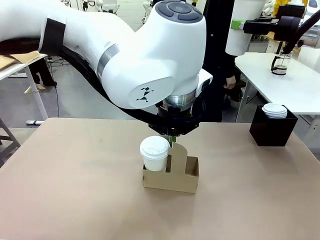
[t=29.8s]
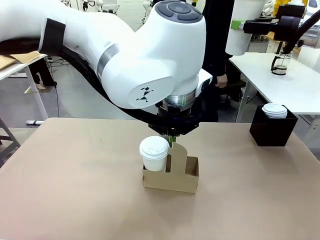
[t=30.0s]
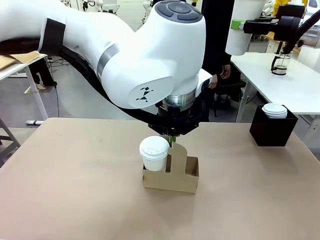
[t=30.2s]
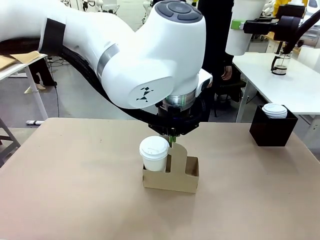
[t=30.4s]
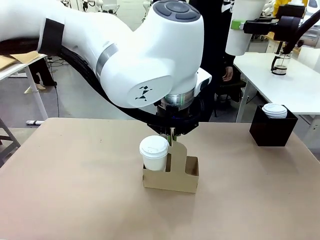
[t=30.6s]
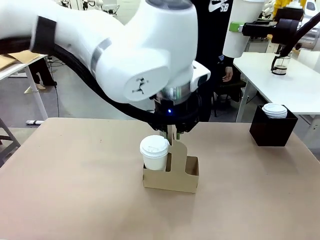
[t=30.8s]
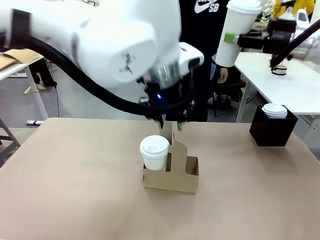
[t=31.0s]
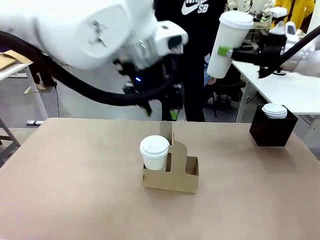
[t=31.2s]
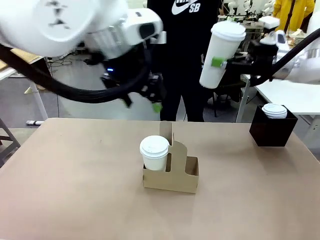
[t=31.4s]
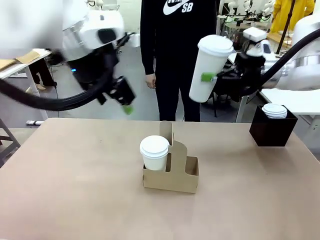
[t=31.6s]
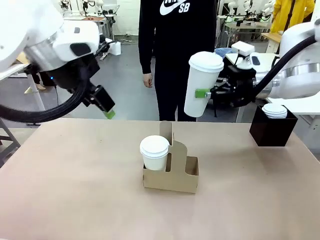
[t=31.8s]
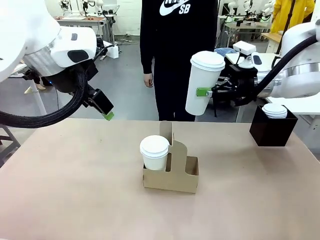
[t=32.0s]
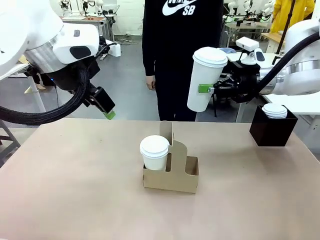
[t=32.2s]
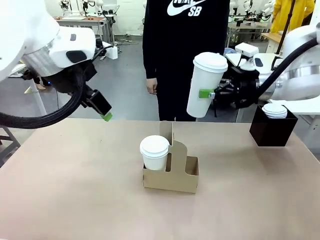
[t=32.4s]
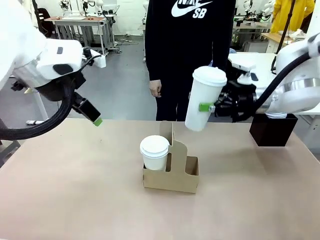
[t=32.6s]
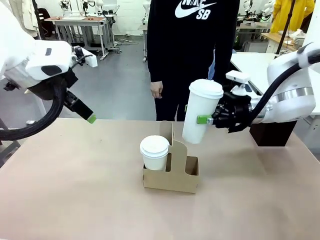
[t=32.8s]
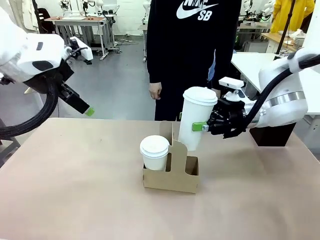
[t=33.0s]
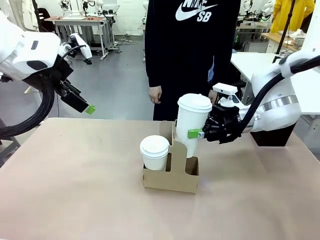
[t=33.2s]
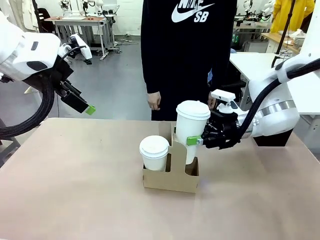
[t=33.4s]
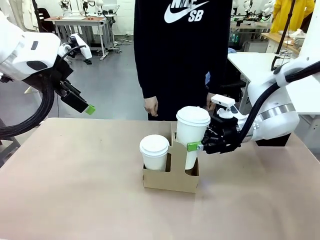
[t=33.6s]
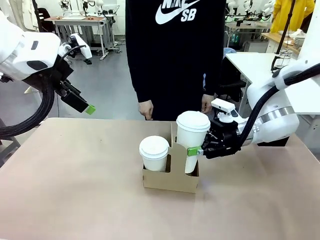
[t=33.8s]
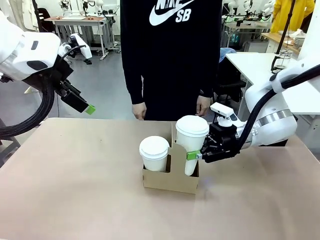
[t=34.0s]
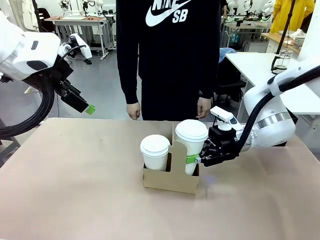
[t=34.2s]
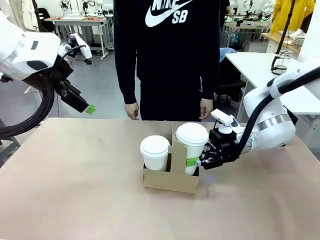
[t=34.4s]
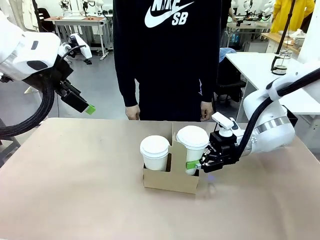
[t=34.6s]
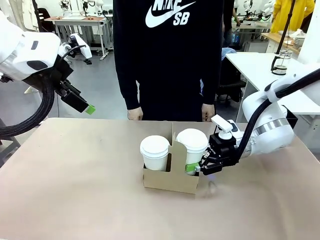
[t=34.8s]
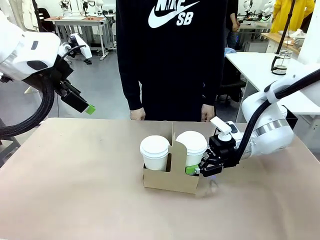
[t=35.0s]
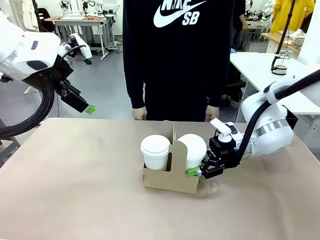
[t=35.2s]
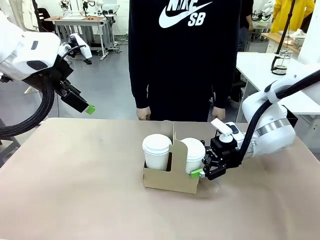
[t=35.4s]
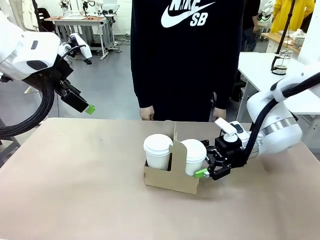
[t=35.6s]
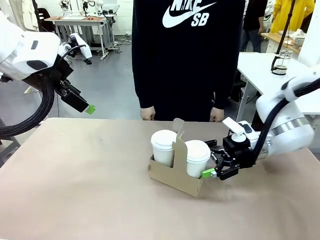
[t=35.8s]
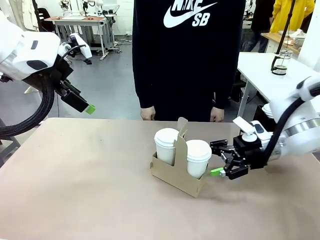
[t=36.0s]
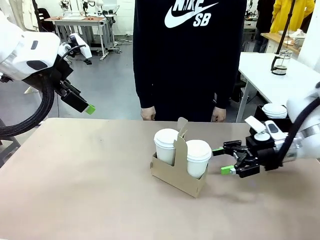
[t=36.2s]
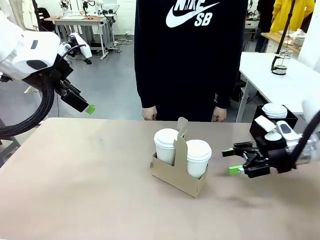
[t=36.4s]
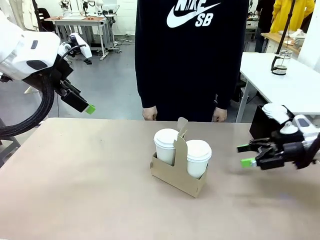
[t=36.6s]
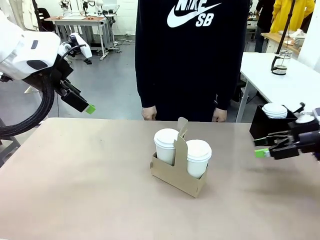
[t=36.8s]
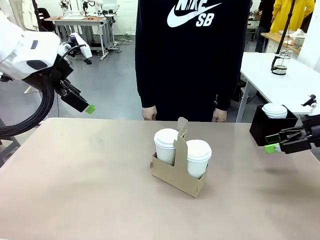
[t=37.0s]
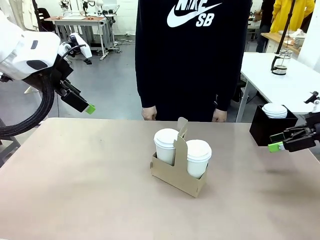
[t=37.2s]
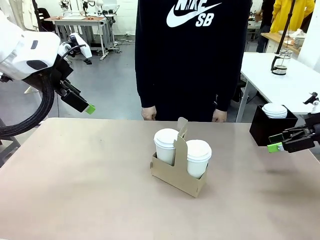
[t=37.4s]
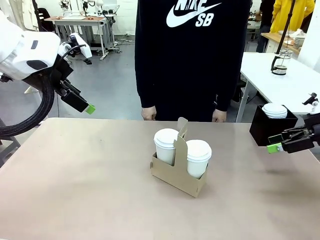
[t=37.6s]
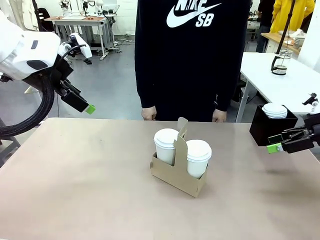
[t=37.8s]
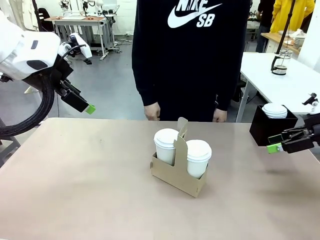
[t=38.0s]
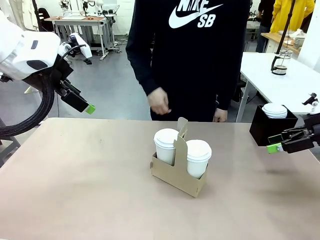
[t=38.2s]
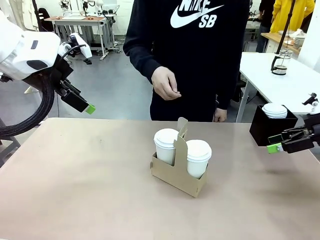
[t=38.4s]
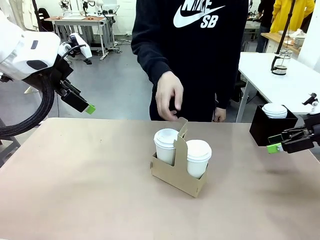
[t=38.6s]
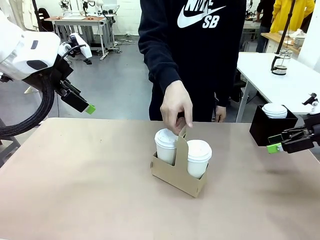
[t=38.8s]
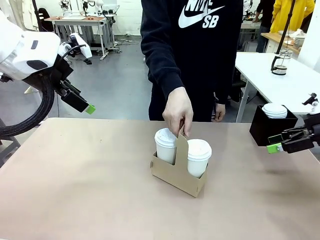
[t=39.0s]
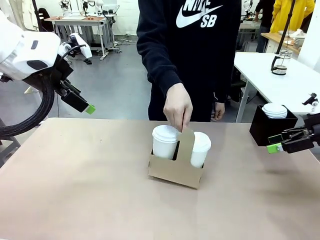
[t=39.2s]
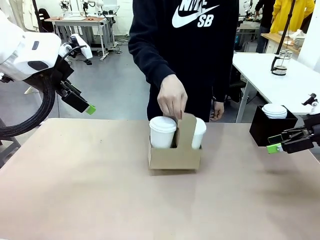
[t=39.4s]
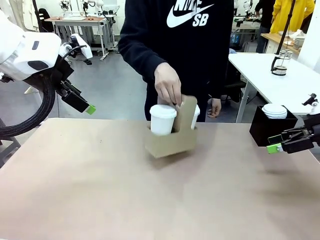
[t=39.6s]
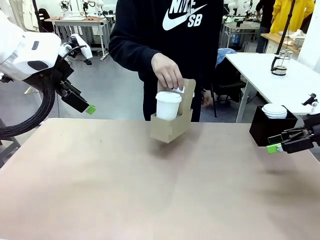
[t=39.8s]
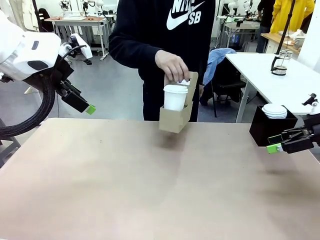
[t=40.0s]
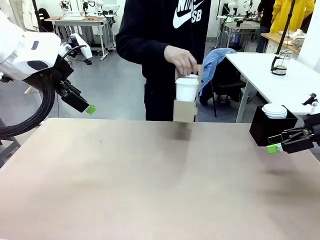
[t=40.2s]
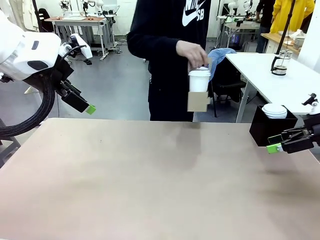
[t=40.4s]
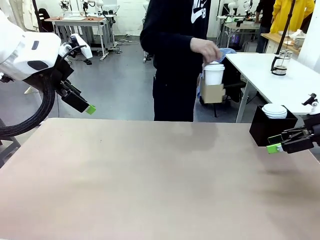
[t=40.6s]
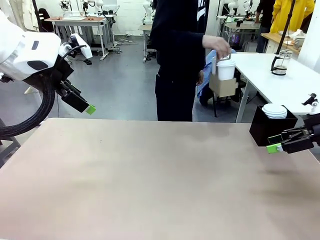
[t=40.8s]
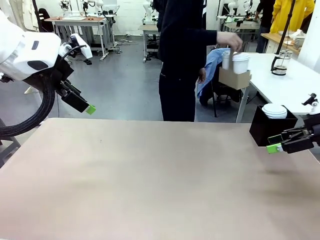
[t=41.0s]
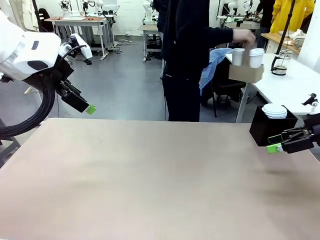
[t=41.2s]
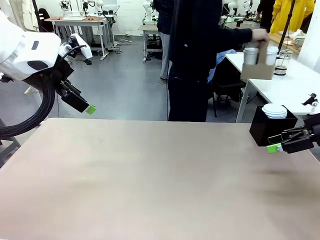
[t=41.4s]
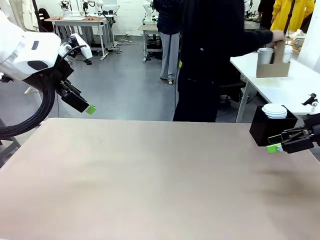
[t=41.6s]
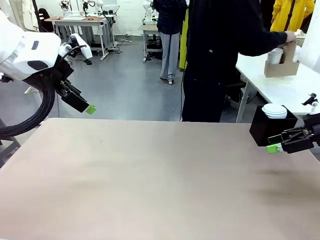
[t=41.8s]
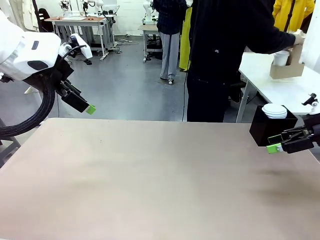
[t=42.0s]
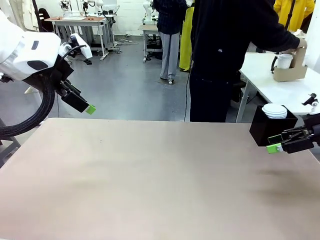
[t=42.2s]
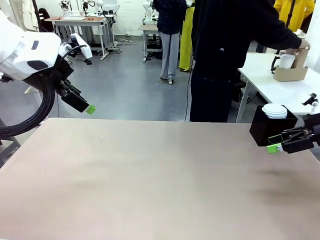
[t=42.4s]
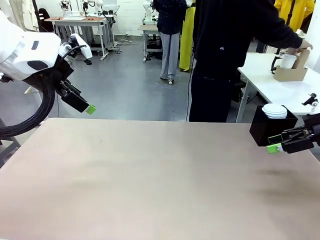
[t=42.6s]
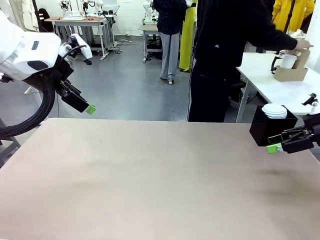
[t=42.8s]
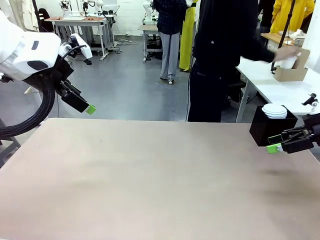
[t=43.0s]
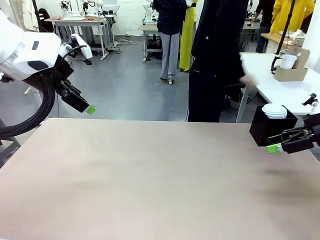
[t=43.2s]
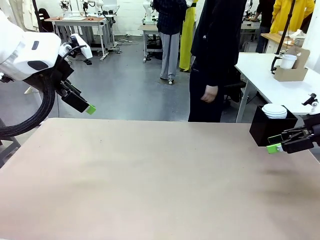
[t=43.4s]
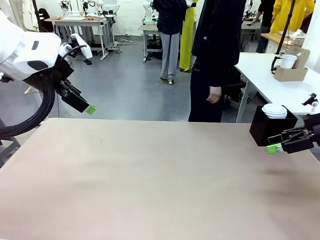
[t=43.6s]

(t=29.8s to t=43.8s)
Task: Pour a drink into a cup and package it in a carrier.
Robot: Insert the held 600 ml Paper Cup into the Cup Carrier.
Person: Place the Cup Carrier to the middle of Human table.

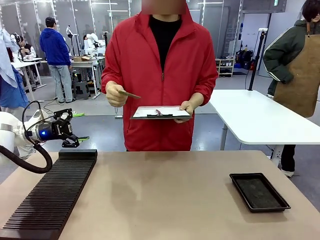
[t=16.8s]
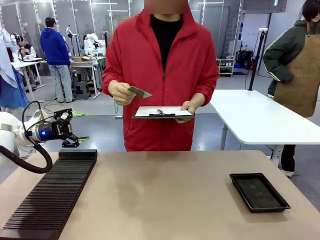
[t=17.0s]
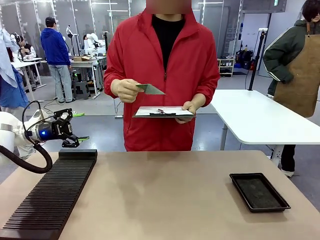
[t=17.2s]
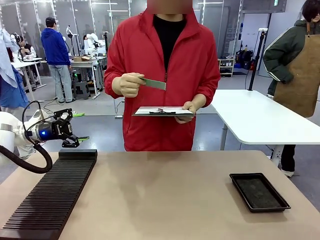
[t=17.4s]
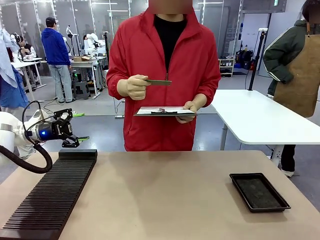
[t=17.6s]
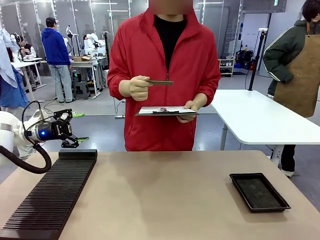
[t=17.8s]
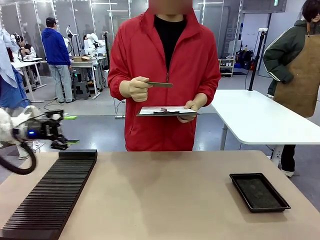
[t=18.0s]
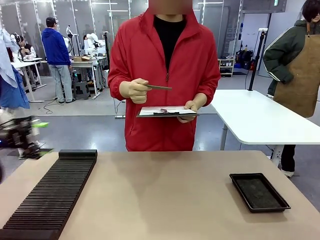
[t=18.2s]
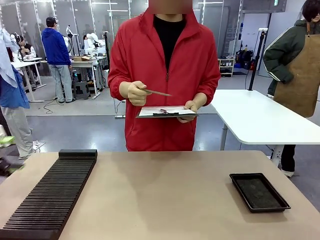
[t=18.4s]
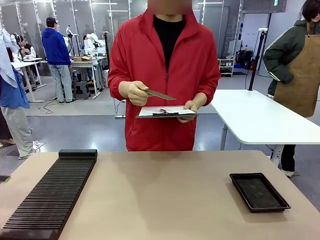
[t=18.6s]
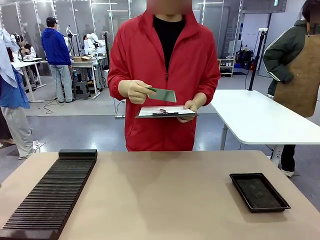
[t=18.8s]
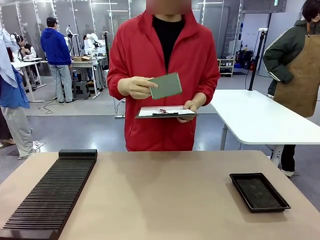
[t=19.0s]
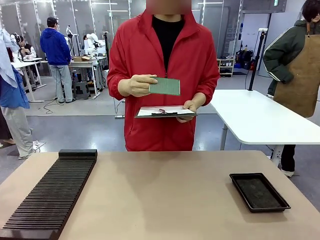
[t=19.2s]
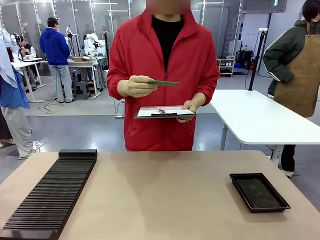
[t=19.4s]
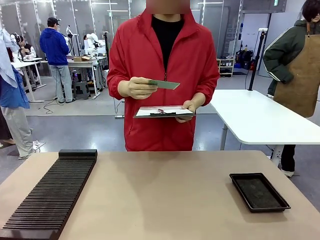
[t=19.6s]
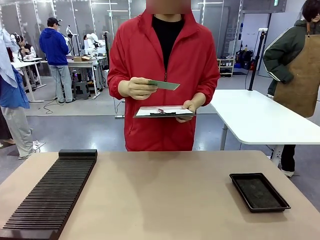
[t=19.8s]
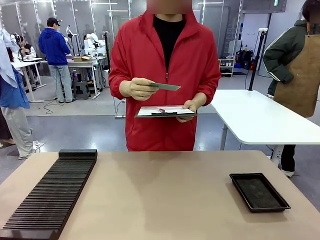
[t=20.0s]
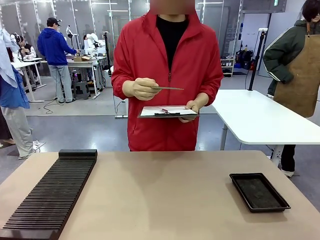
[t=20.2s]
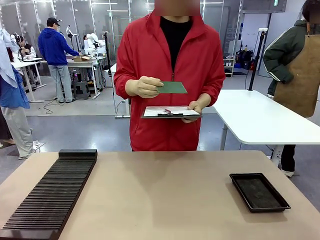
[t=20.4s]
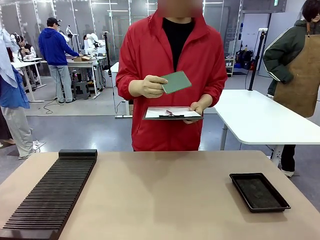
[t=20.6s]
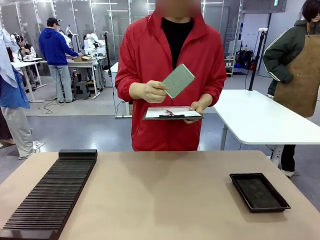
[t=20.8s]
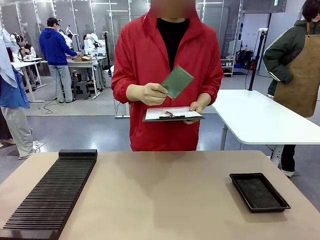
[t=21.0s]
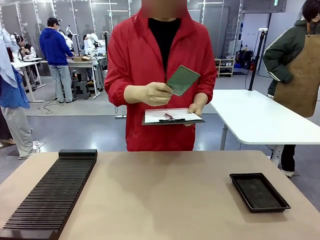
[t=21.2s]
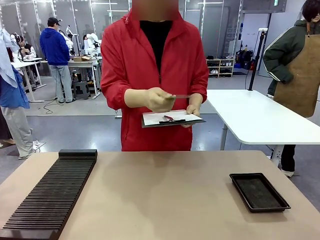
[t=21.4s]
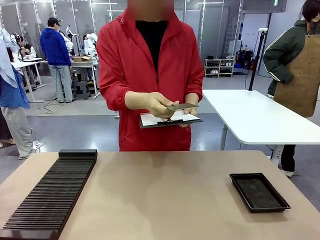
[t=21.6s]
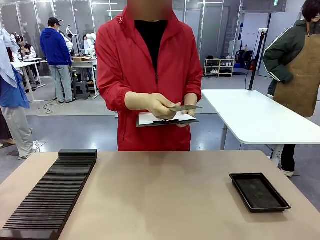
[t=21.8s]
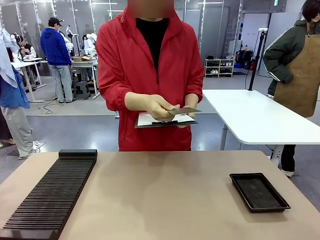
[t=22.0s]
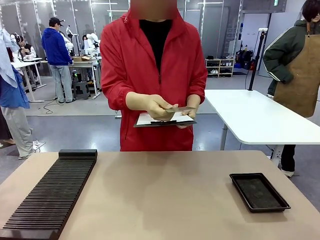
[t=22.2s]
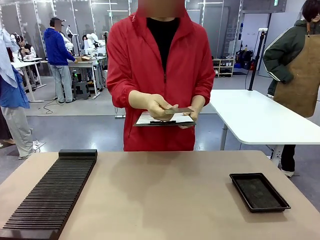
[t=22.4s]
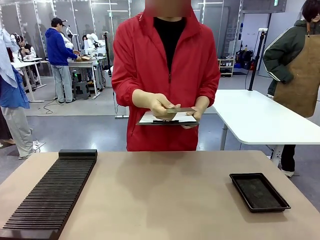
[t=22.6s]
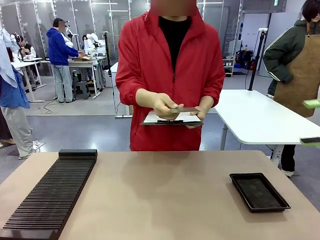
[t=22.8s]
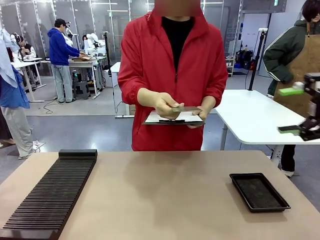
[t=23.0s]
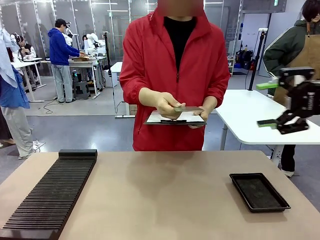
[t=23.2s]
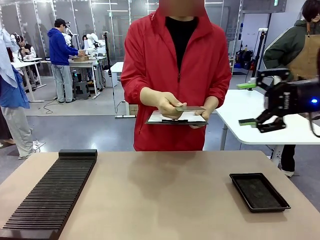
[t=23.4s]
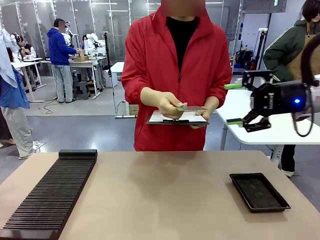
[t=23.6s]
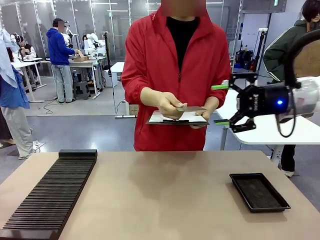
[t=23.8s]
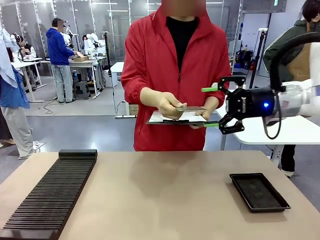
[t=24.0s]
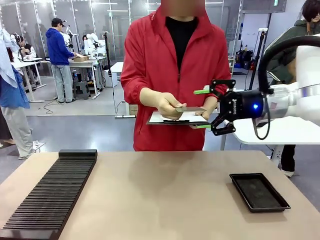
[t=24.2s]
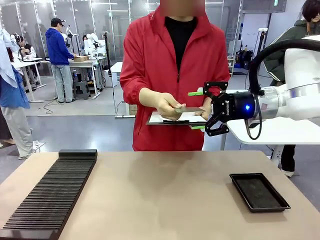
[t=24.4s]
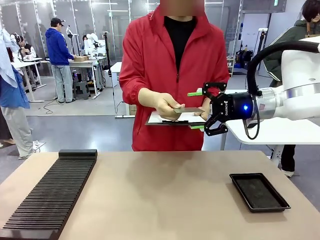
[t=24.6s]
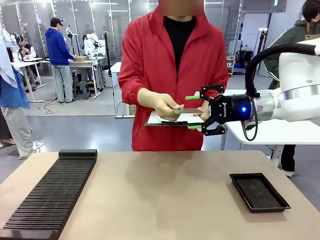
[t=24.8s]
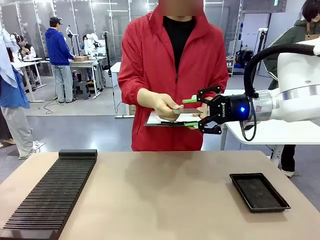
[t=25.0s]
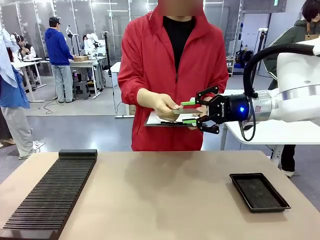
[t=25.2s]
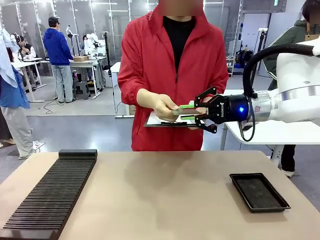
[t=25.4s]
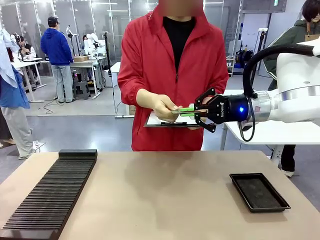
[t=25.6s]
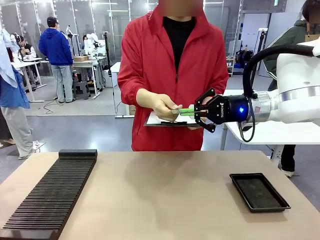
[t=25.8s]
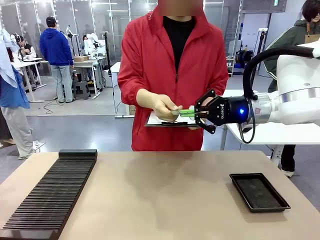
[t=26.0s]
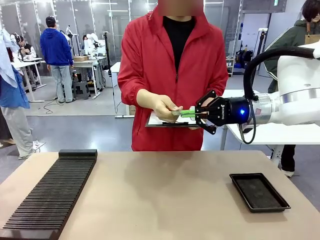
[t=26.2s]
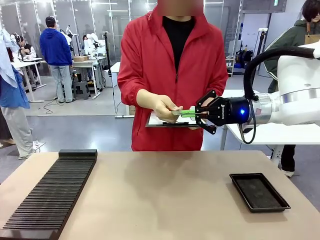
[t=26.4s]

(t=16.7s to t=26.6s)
Task: Inspect the PCB.
Robot: Pick up the Blank PCB that the human is holding.
Person: Inspect the PCB placed by the robot, then hold it out in front of the robot. Release the PCB you were holding.
